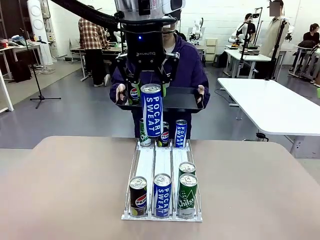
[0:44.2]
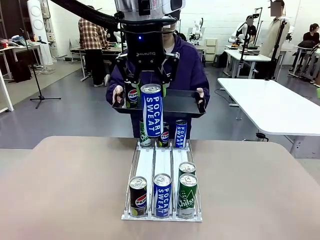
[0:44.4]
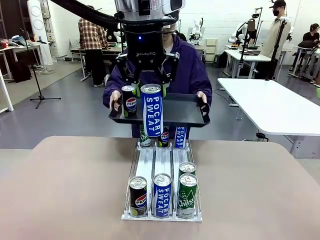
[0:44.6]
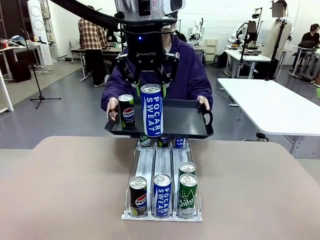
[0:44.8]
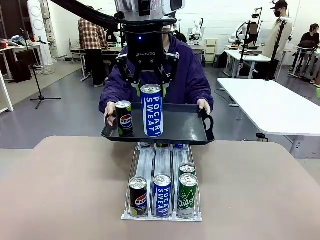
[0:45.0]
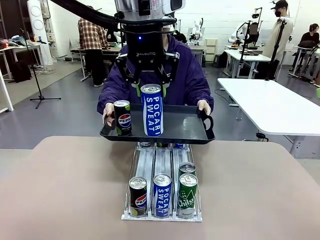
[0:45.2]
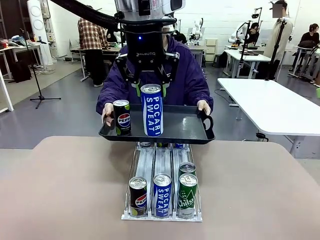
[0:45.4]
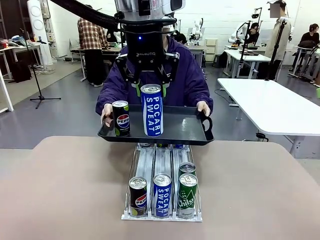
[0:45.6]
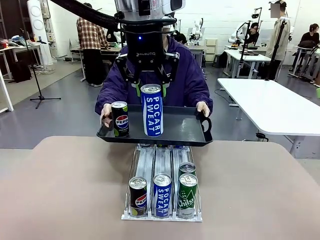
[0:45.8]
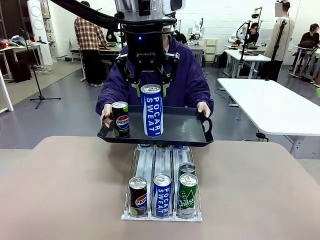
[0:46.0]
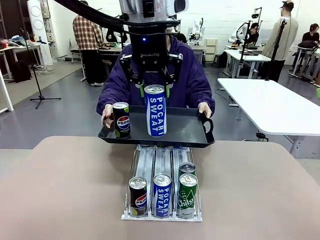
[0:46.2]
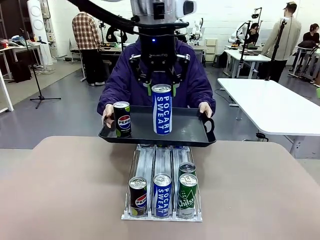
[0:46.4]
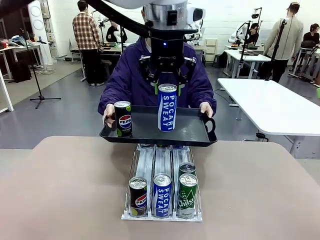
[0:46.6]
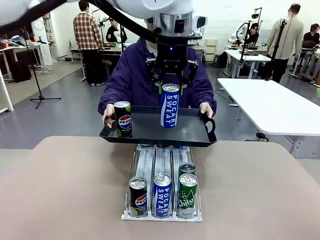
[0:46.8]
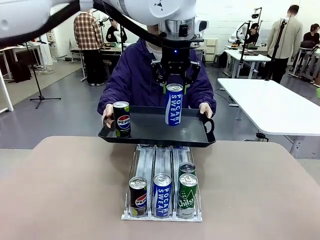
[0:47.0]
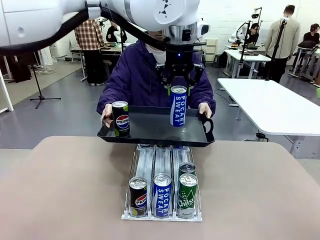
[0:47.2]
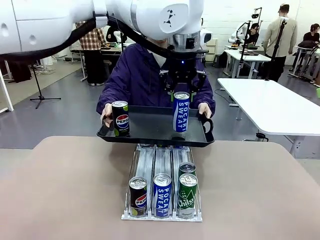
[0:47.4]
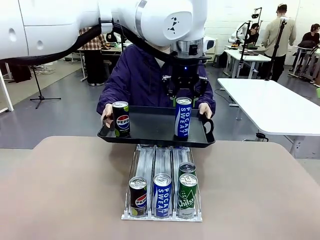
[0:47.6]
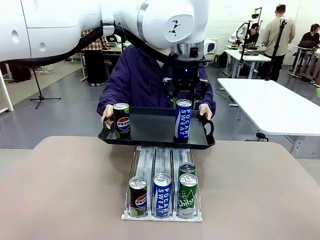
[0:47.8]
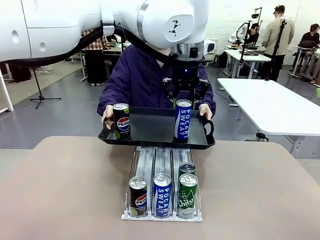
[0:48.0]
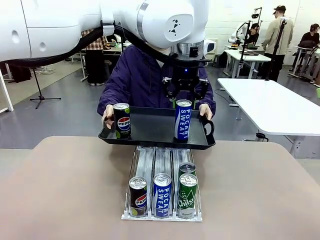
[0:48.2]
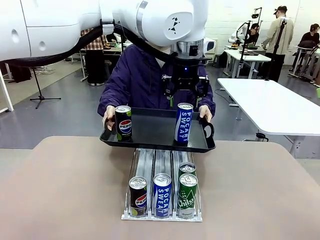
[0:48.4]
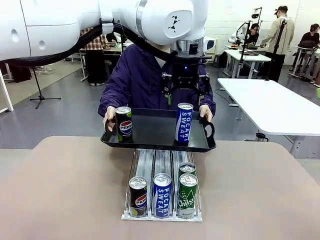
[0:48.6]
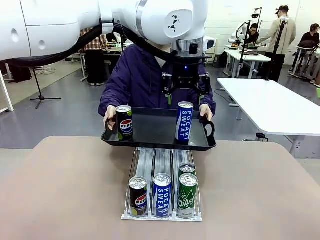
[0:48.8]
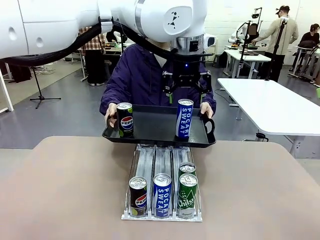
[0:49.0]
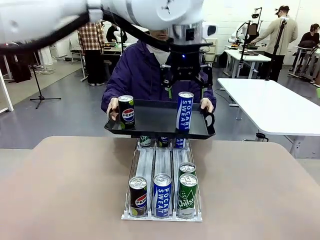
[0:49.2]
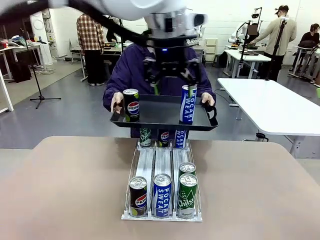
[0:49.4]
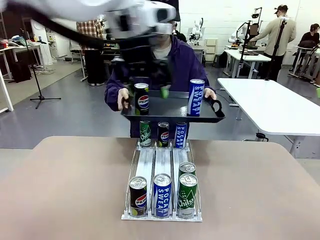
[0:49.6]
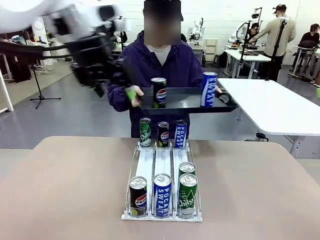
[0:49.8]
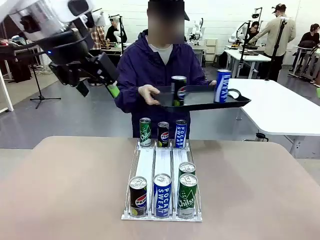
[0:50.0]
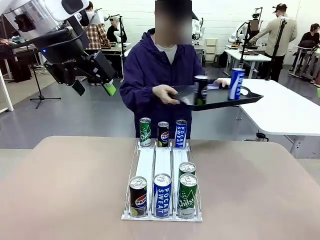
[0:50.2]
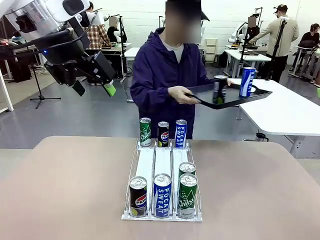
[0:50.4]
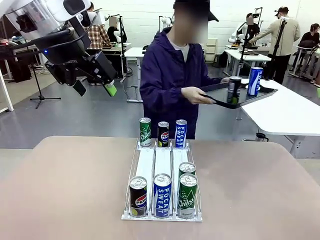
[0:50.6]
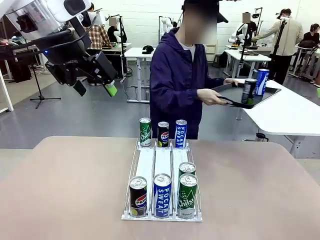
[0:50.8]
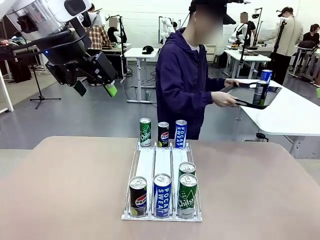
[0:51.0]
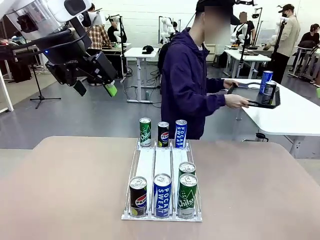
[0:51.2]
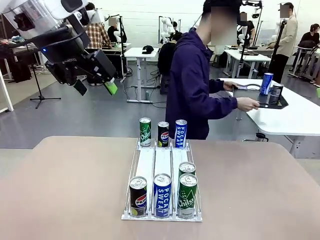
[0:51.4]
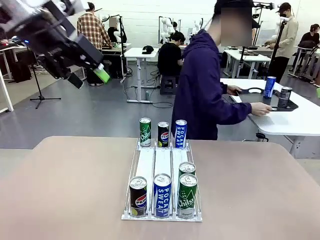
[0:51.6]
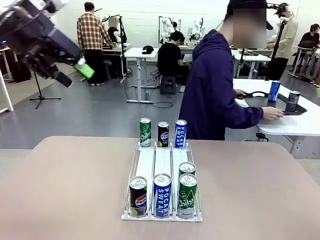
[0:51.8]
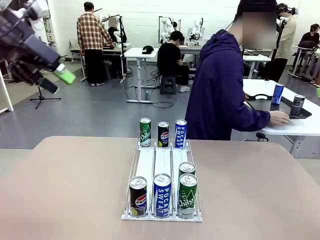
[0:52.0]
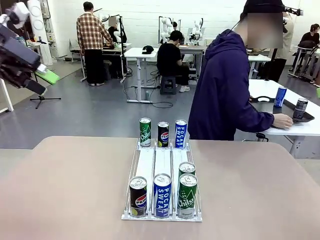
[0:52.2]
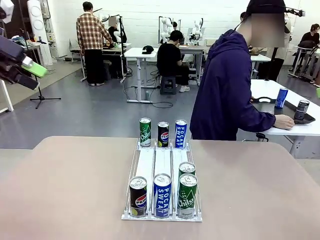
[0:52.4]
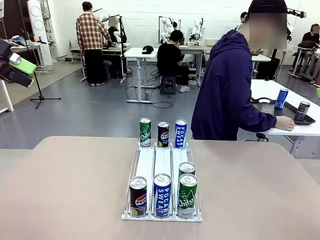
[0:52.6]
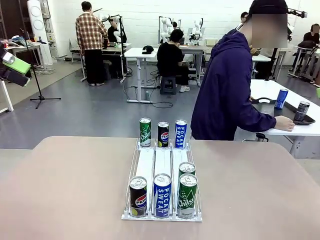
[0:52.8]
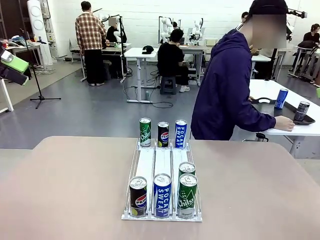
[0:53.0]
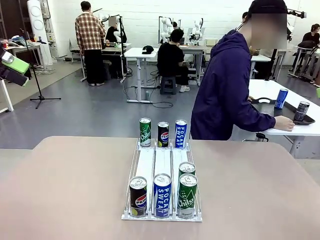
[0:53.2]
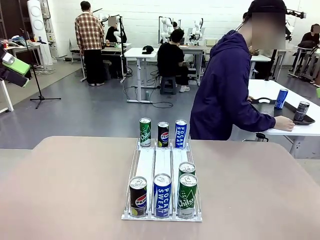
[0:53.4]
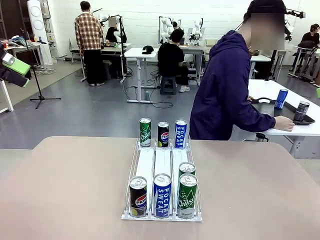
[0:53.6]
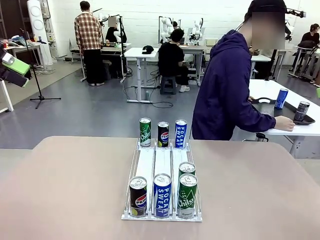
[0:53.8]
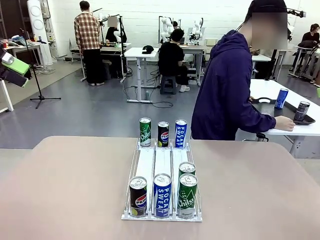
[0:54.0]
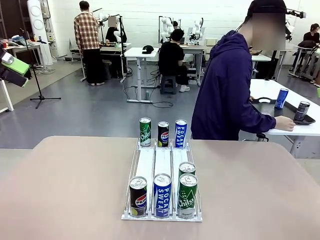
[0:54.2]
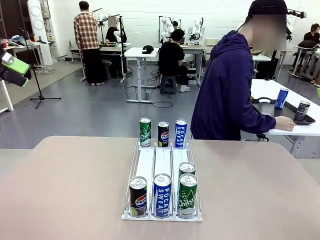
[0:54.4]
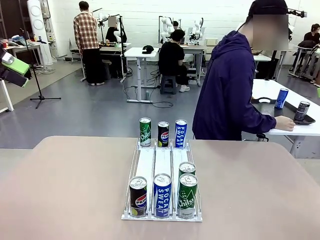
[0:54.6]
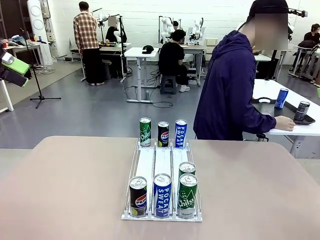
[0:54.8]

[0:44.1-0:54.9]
Task: Retrieve and hand over the desired beverage to the person.
Robot: Place the picked can on the Handle tray extended by the person.
Person: Pull the tray back and place it at the center of the human table.

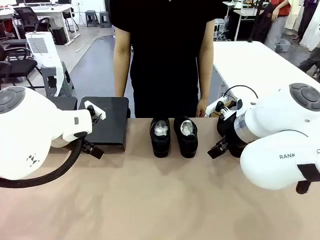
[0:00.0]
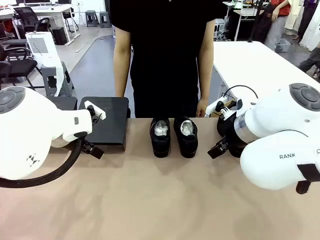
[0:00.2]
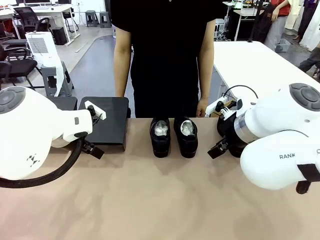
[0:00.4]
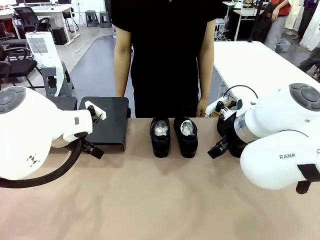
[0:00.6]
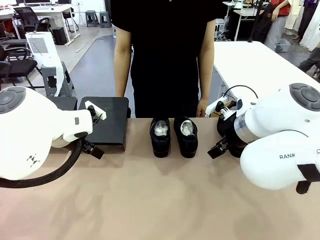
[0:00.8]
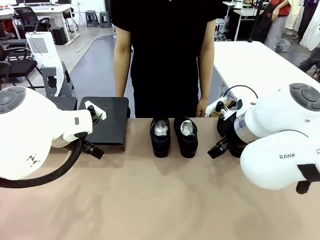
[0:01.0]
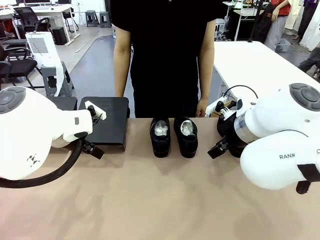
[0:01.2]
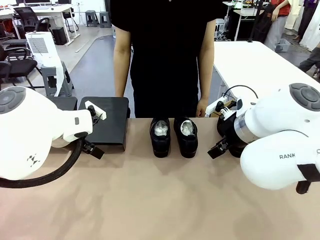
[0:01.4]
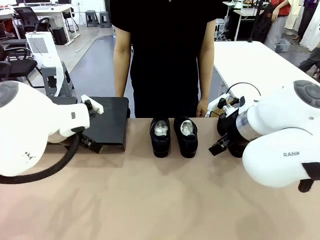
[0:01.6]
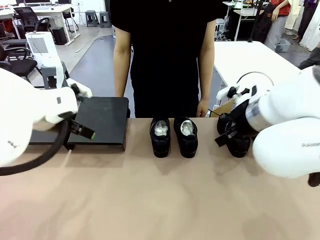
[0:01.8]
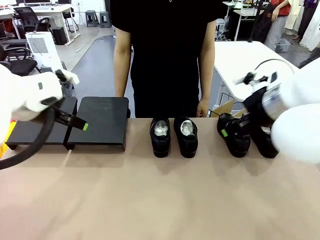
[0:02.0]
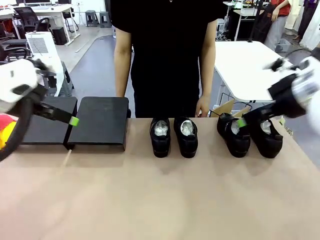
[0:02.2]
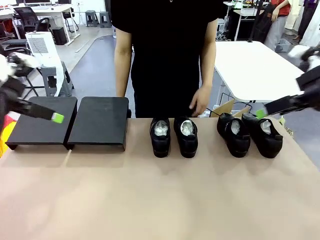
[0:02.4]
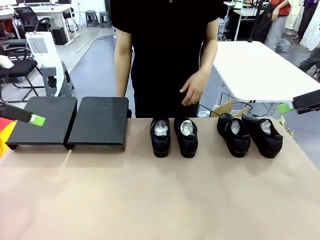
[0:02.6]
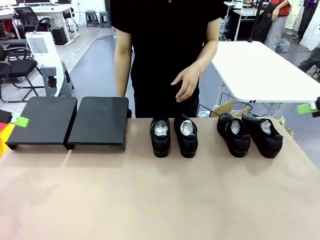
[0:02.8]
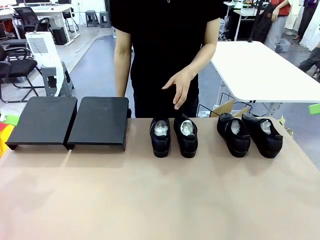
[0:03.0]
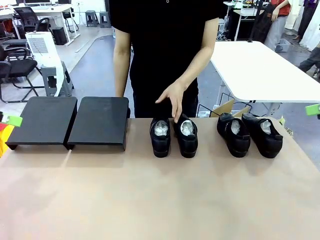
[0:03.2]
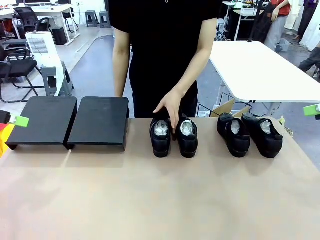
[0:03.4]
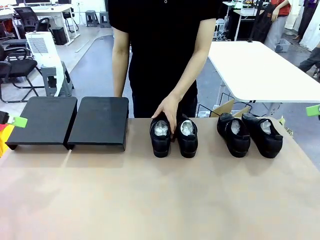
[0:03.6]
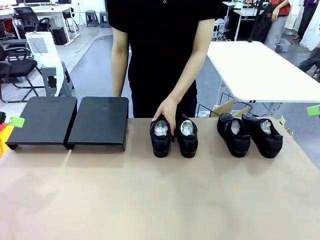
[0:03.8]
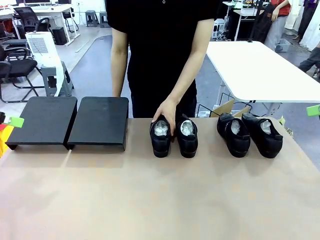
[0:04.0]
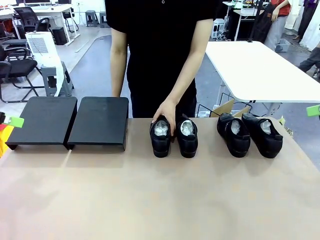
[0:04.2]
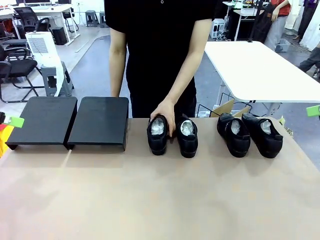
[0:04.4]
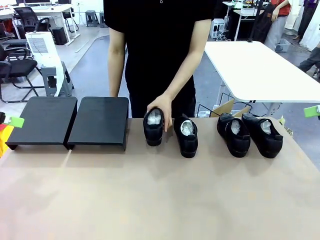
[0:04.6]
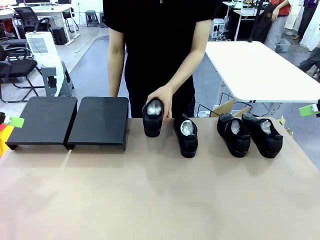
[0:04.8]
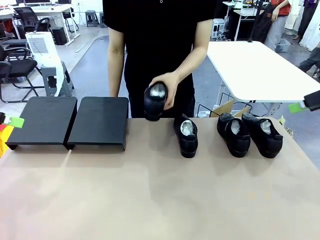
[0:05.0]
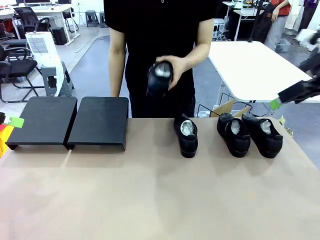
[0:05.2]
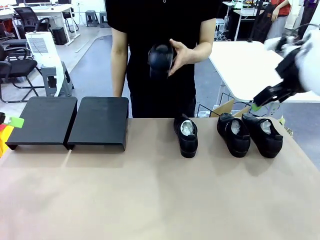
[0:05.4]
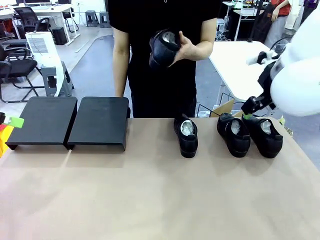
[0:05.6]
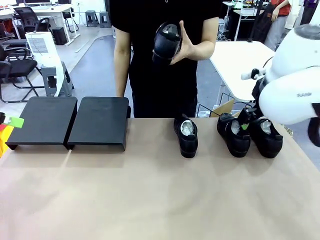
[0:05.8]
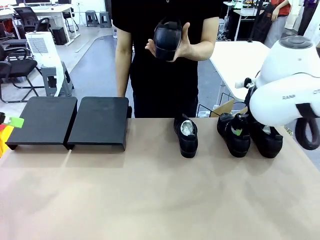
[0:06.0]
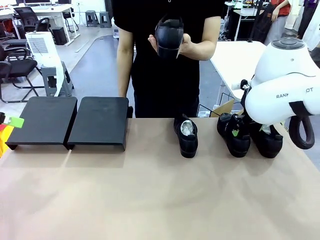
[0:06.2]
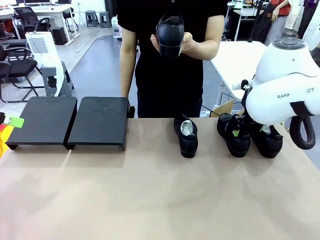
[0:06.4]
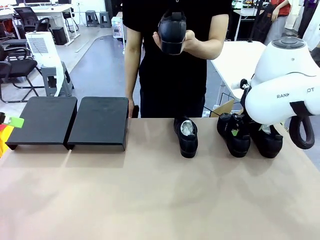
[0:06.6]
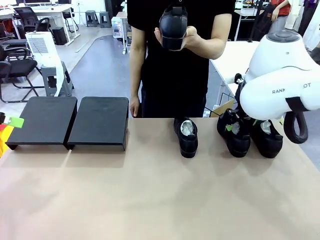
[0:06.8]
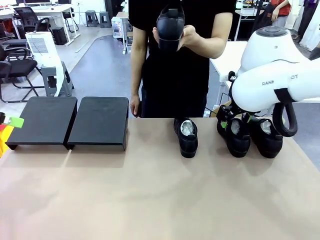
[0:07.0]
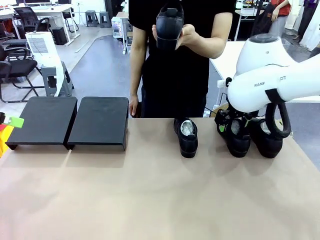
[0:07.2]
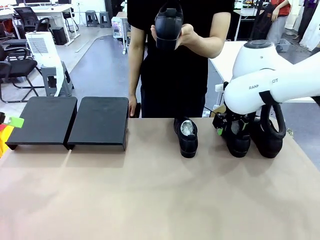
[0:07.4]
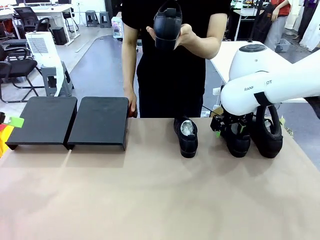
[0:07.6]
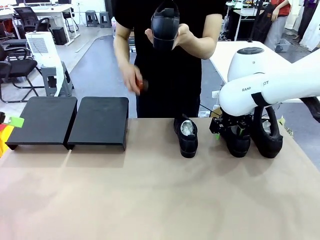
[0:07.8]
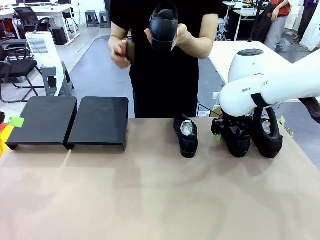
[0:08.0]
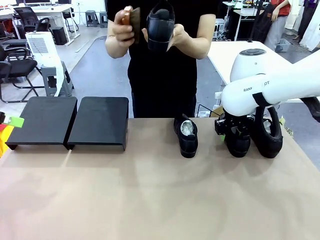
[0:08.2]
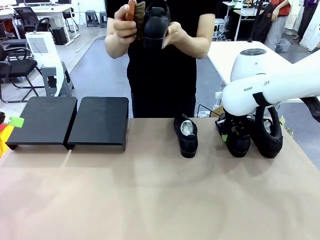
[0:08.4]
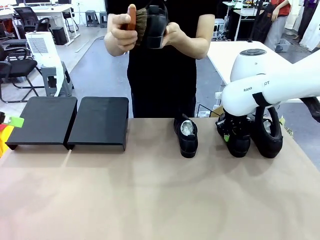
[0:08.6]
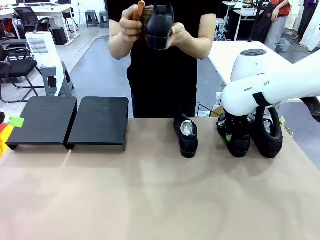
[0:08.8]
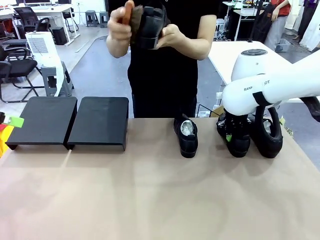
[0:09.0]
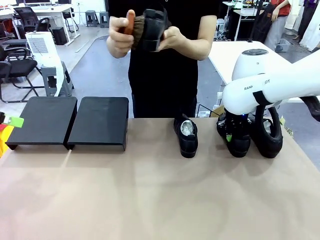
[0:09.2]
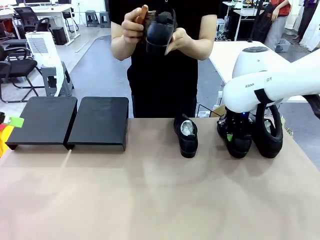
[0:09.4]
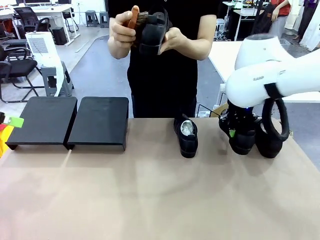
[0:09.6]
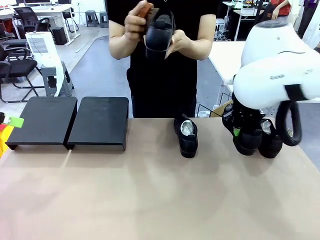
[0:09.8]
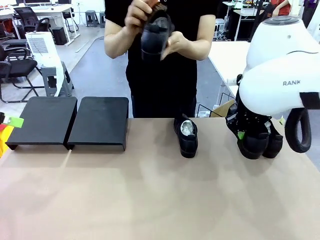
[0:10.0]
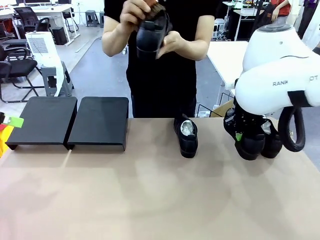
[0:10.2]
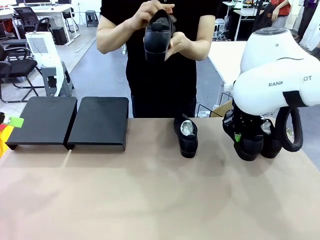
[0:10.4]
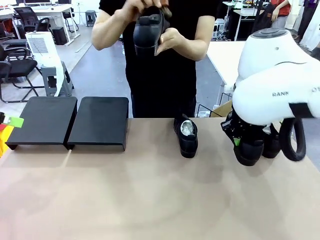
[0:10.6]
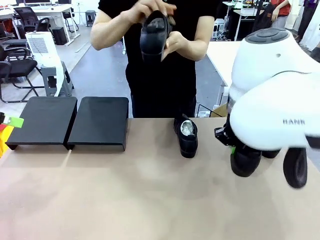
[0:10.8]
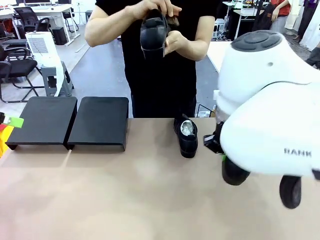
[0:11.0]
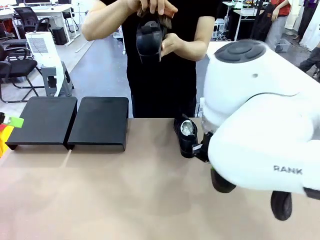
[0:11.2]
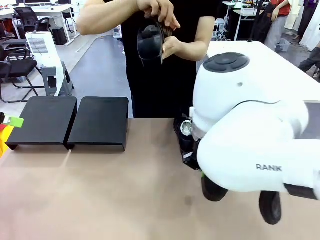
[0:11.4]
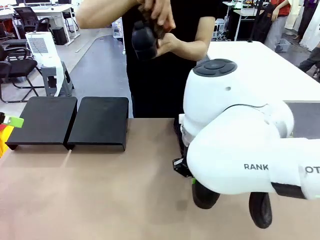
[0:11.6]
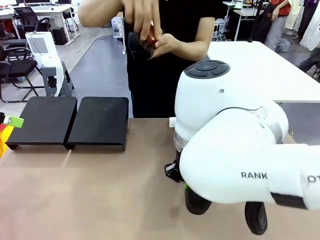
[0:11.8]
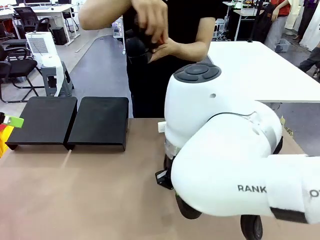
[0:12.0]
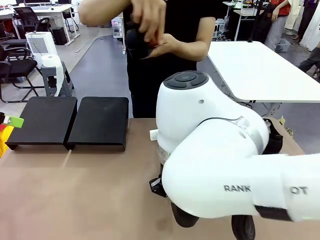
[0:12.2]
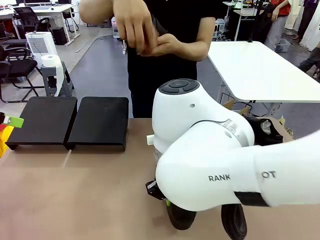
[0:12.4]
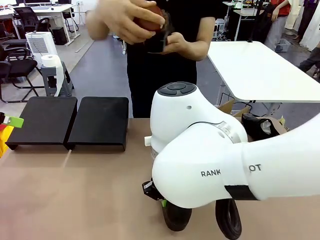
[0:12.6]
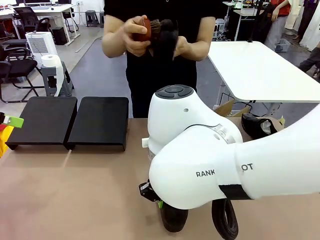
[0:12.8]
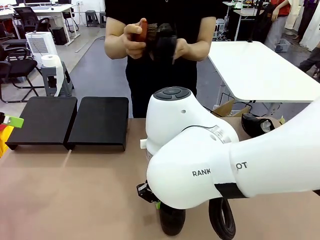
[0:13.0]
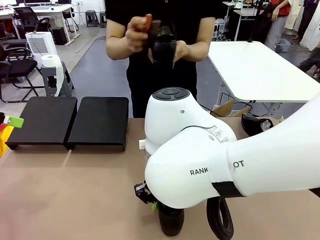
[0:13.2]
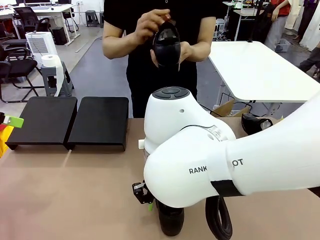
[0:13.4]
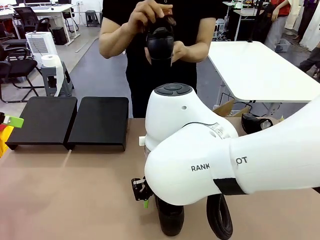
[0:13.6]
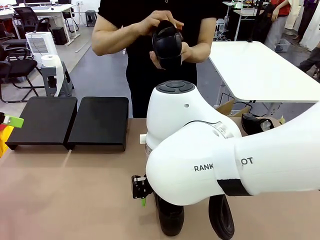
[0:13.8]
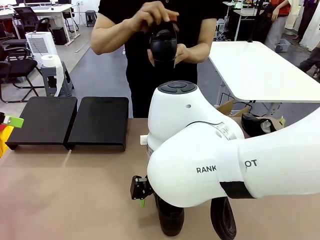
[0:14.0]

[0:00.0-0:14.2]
Task: Organize the shoes by placing them on the stand.
Robot: Pick up one Shoe and place it in the middle of the table.
Person: Pick one Shoe on Robot's table. Clean the Shoe with the Shoe Brush.
